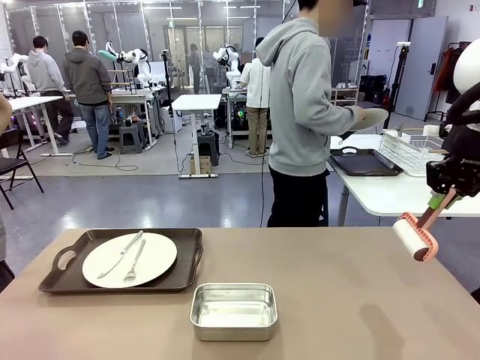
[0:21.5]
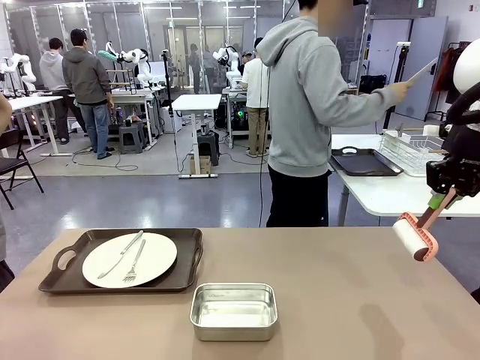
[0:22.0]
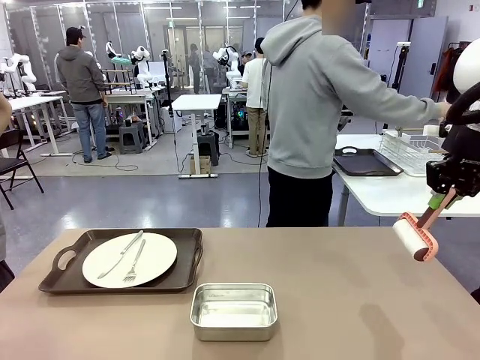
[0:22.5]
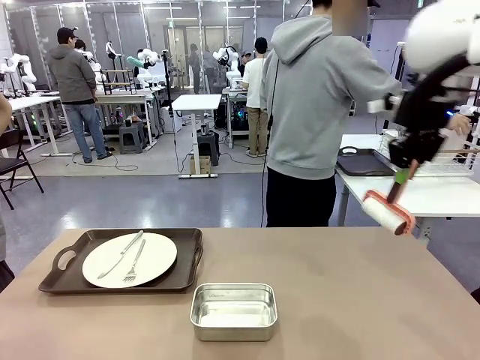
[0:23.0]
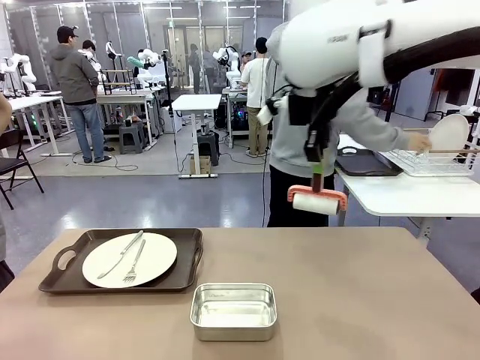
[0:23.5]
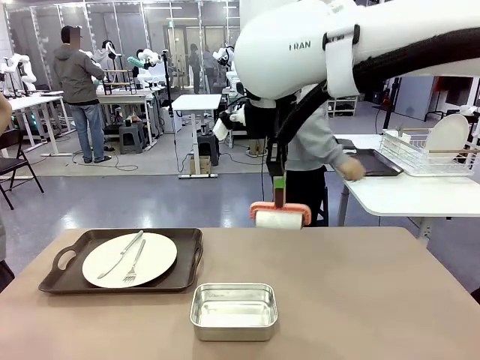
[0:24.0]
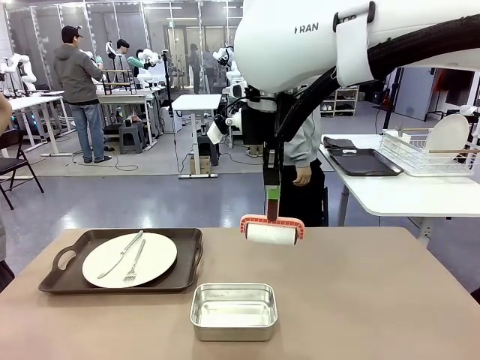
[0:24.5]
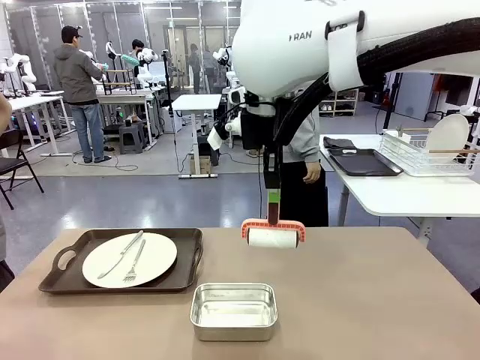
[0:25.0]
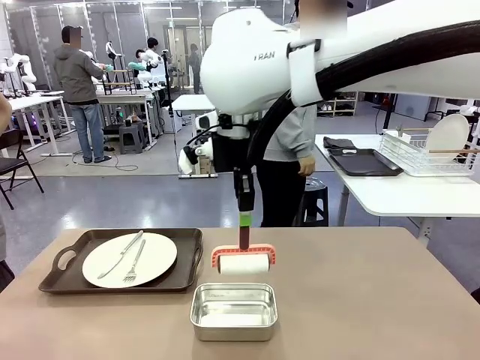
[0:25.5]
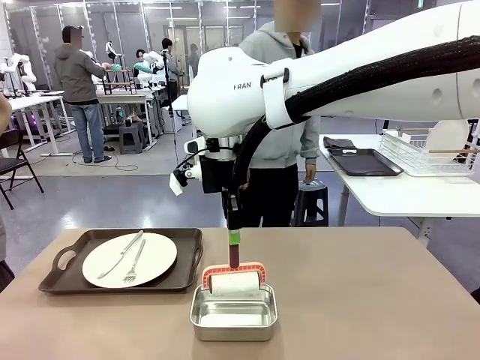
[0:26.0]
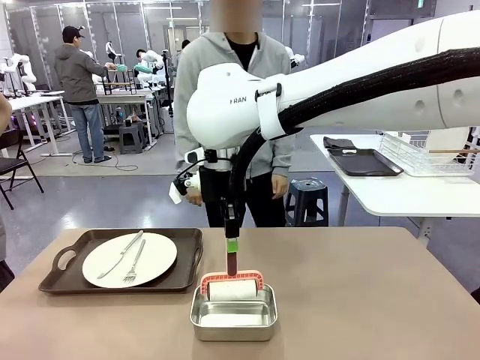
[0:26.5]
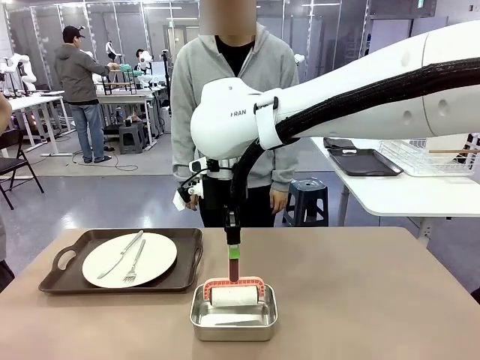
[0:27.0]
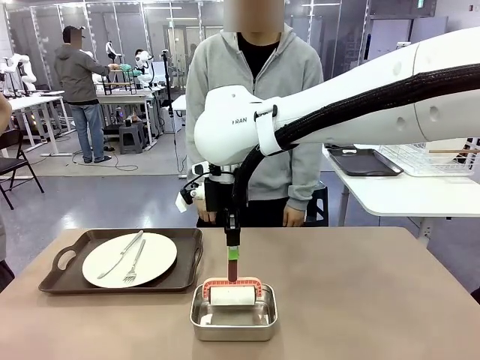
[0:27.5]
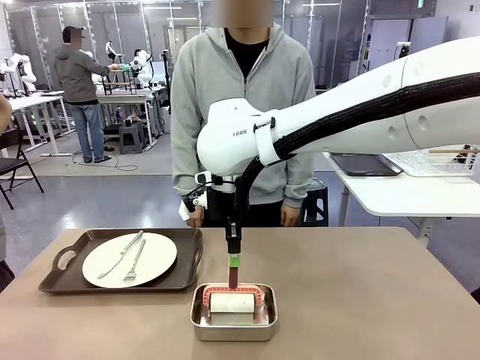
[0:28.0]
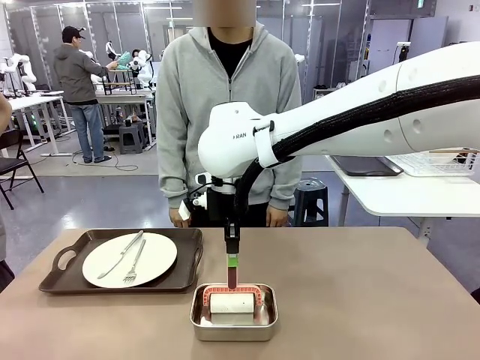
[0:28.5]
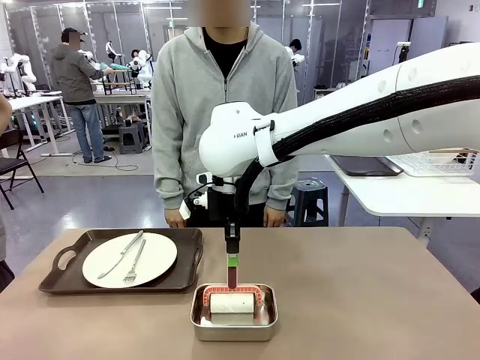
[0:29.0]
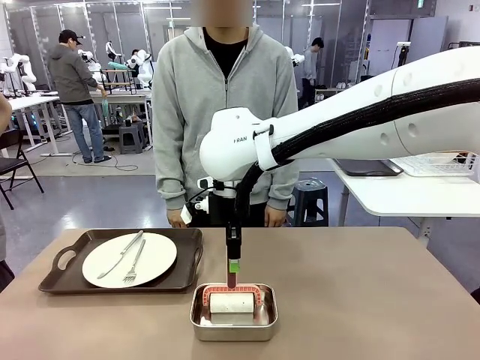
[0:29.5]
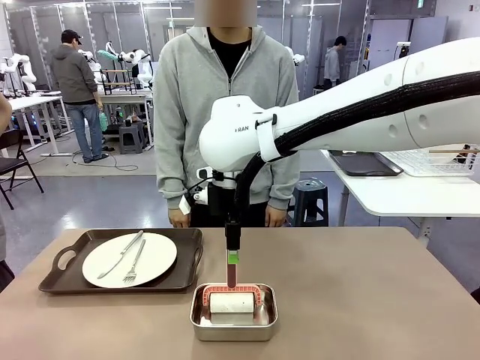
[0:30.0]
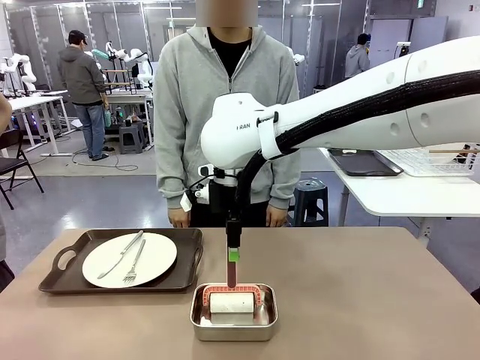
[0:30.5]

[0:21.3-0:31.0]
Robot: Place the Lint Roller back on top of the Airtight Container.

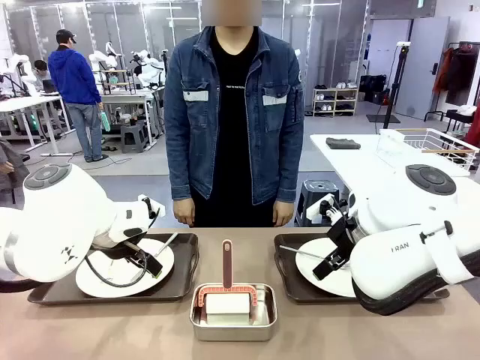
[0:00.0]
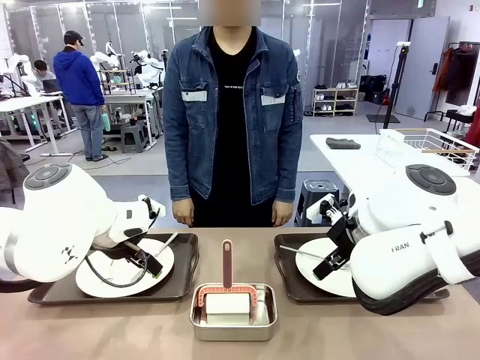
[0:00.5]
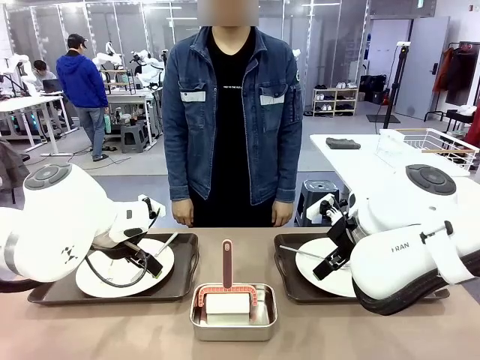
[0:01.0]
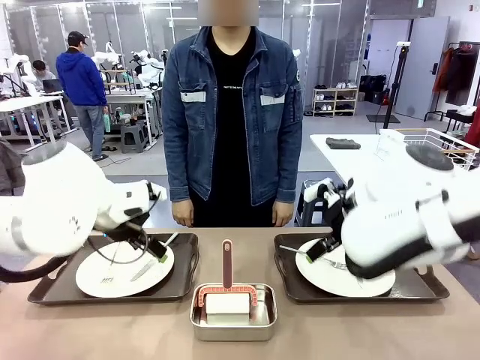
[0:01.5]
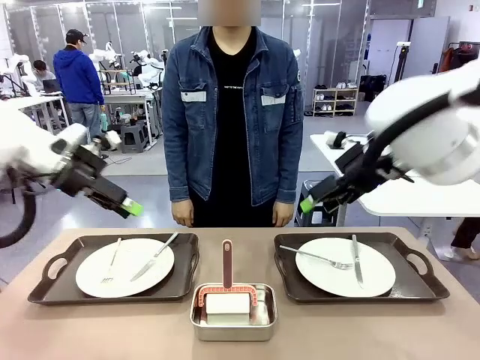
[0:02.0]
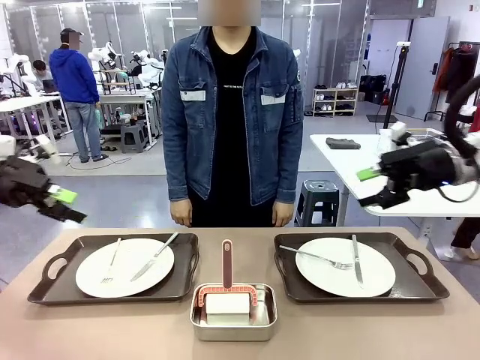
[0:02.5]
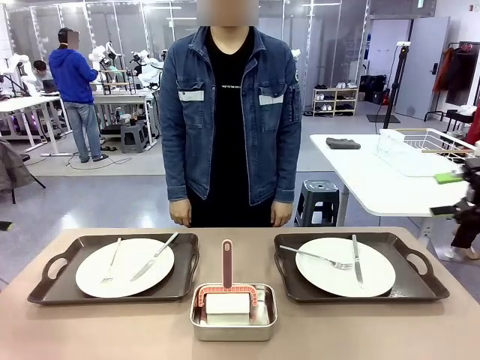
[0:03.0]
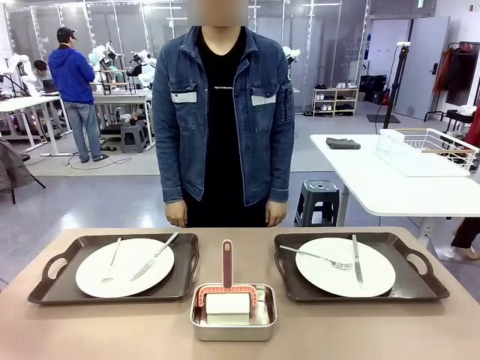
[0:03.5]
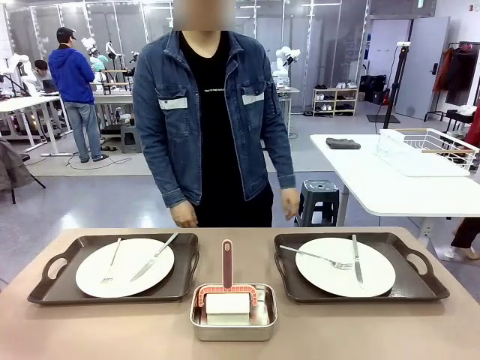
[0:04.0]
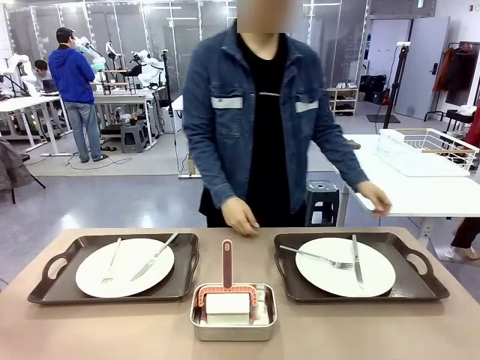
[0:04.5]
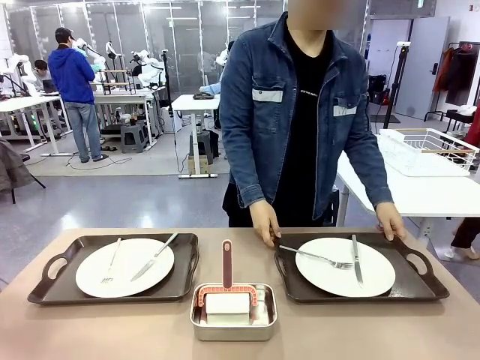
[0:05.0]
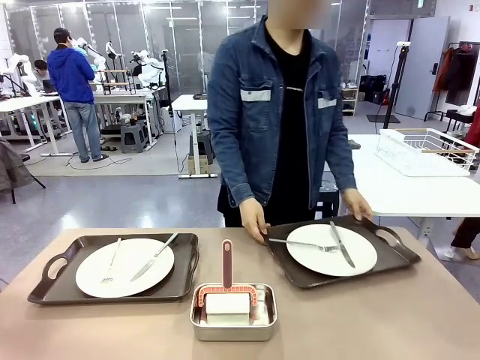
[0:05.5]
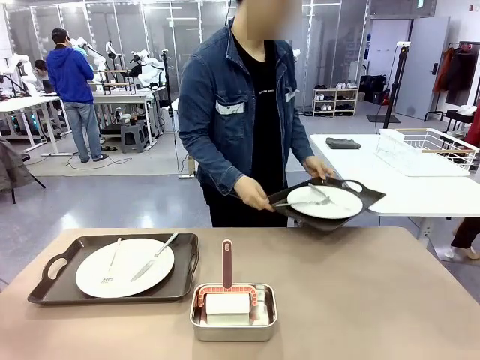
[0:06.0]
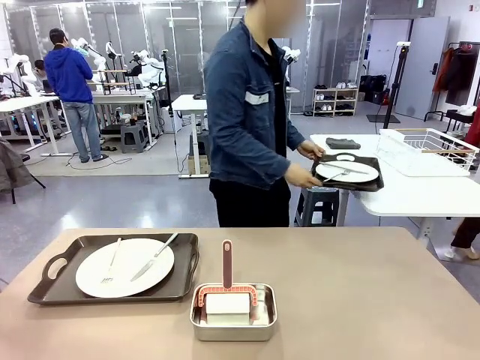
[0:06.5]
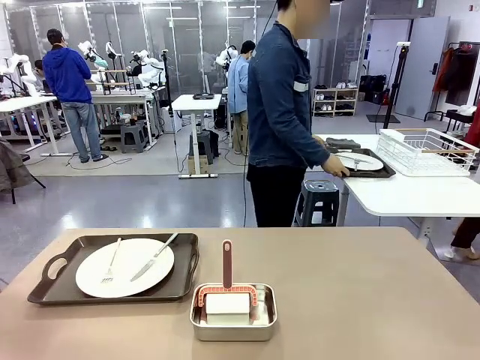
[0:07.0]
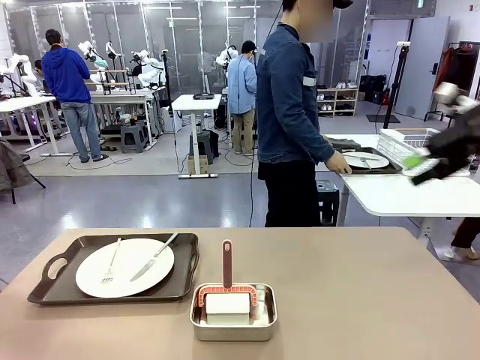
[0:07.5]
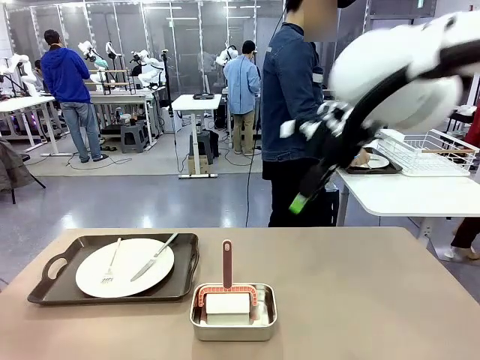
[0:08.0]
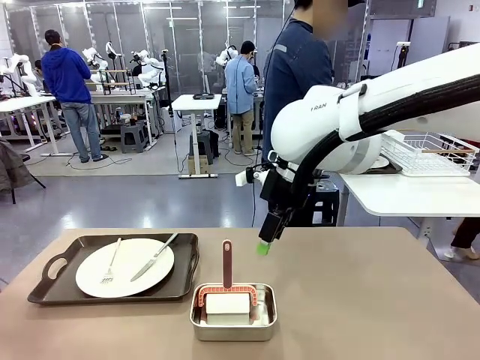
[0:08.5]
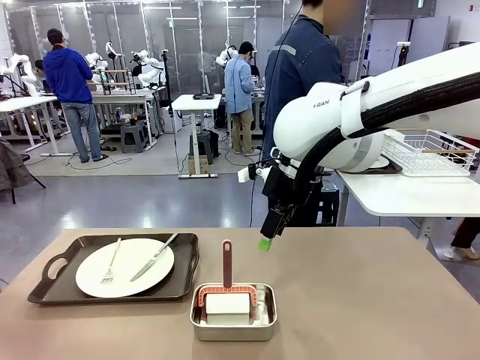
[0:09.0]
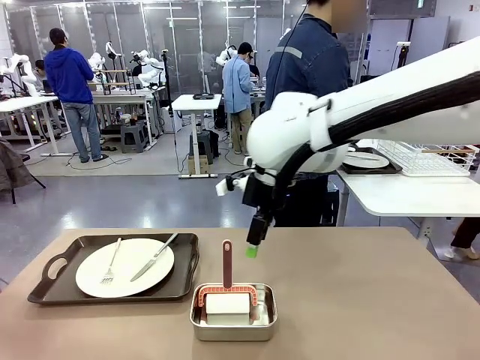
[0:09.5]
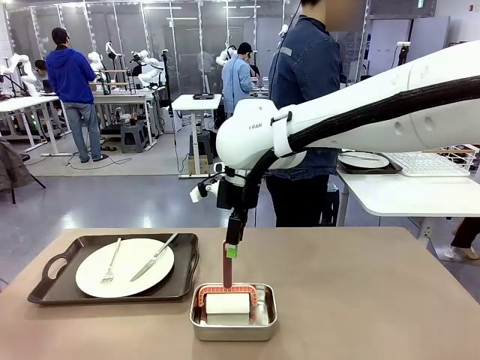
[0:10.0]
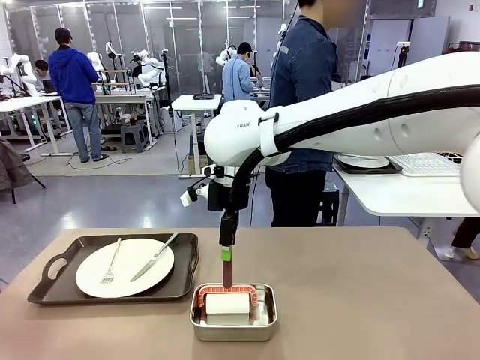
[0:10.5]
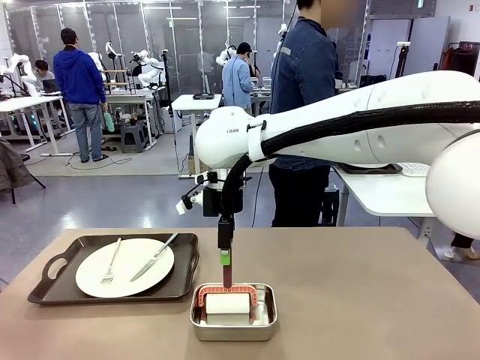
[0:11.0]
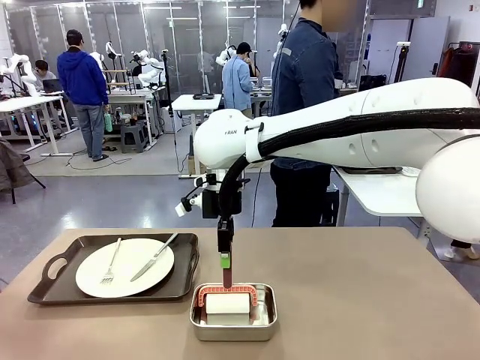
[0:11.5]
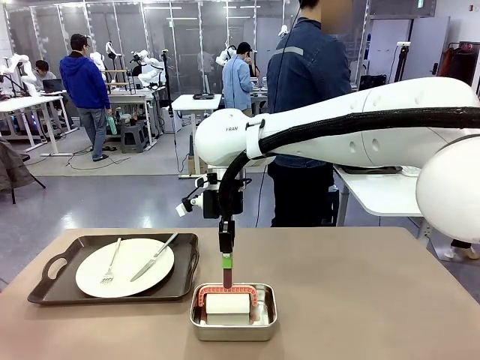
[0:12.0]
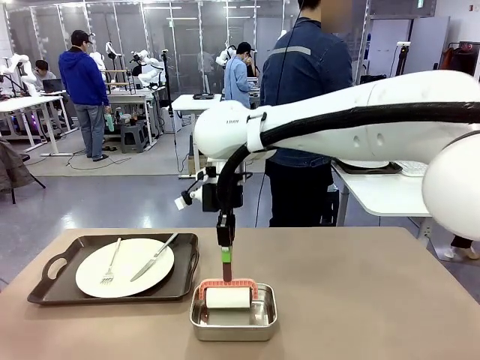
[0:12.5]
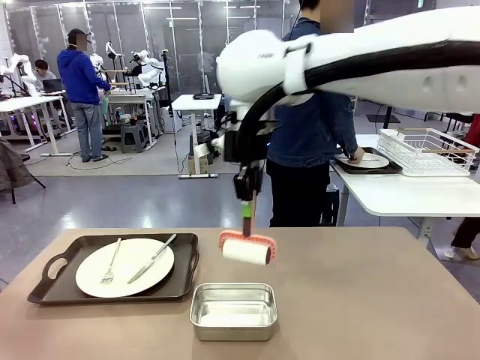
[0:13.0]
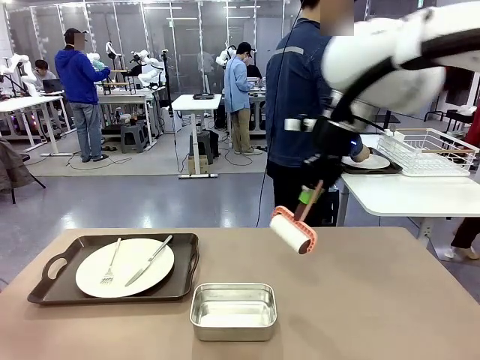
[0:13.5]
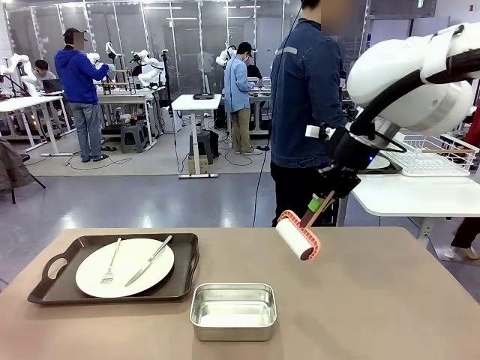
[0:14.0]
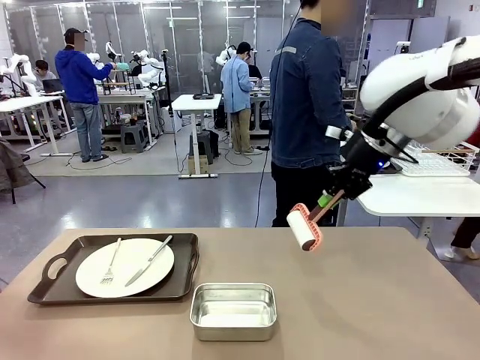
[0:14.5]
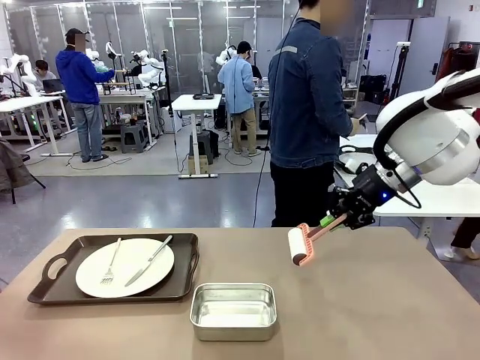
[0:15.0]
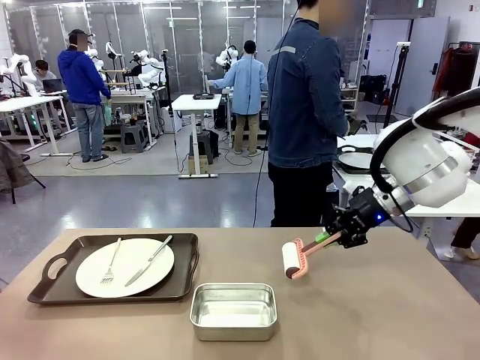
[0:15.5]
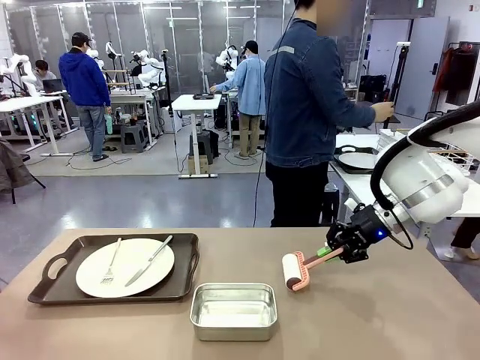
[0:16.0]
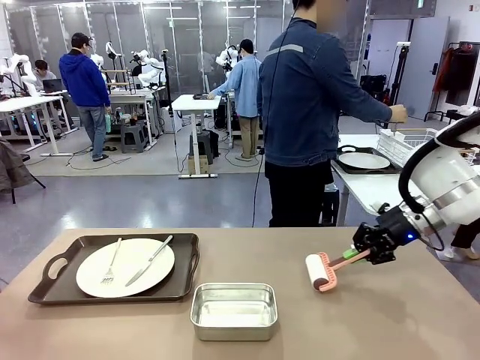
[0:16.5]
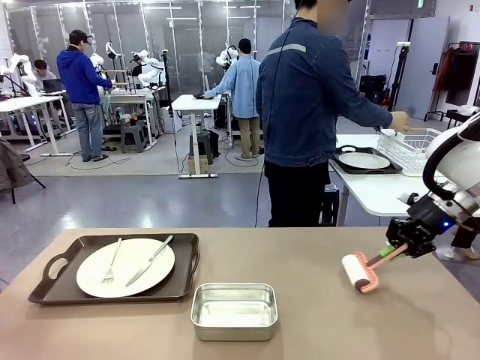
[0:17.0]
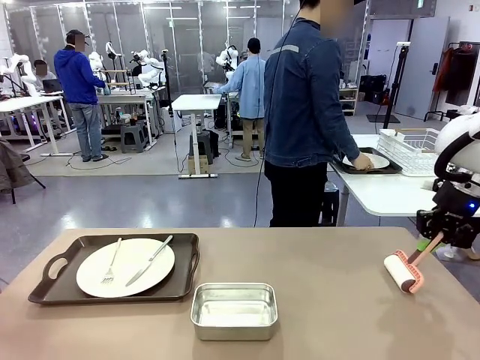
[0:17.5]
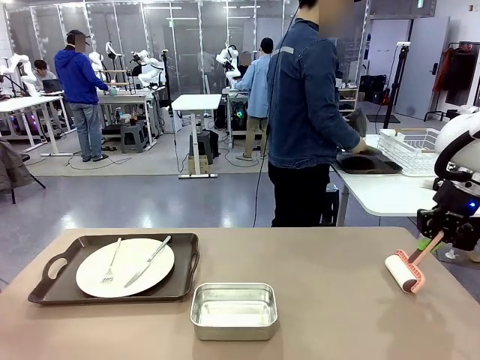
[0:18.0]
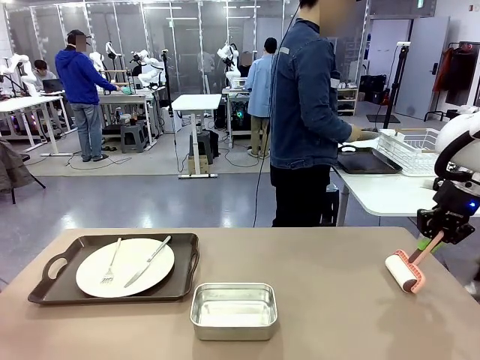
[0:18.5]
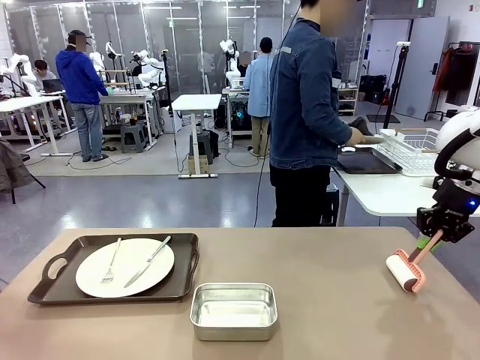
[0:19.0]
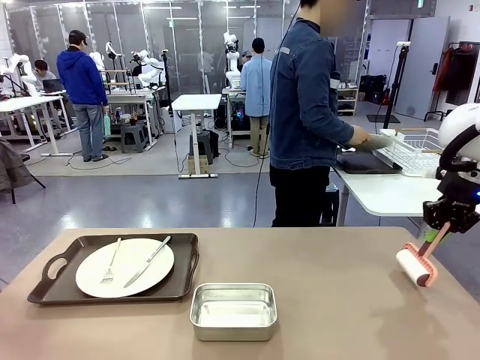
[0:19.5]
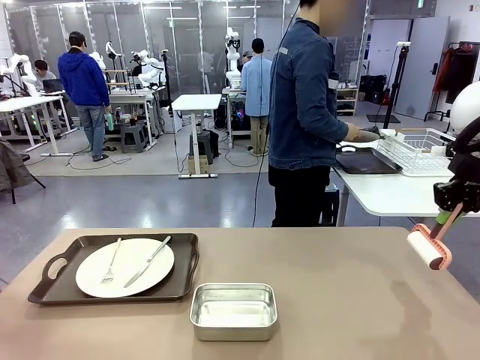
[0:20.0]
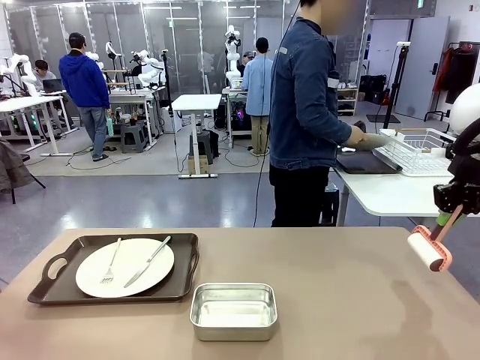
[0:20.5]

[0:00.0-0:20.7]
Robot: When the left (or right) Handle tray is removed, use the left hand (or right hand) to clean the left (or right) side of the table with the Lint Roller.
Person: Pick up the left (or right) Handle tray and place it on the middle of the Human's table. Use the Towel with hook to wipe the Plastic Matte Plate , Fork , and Knife and place into the Dish drying rack.
